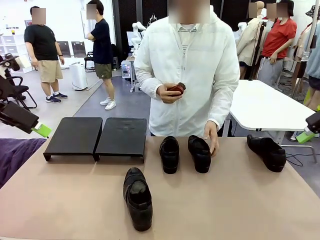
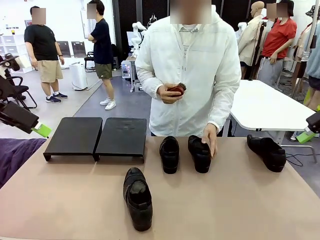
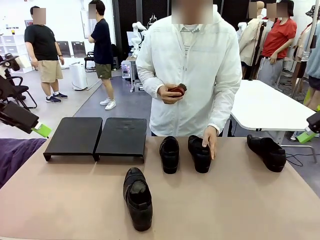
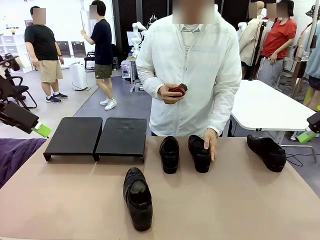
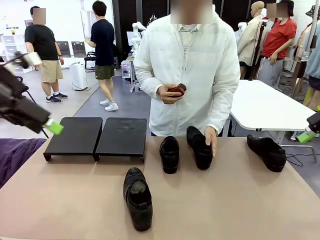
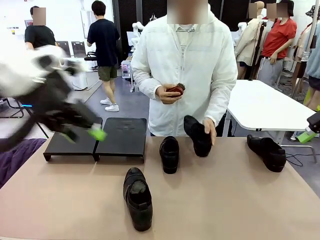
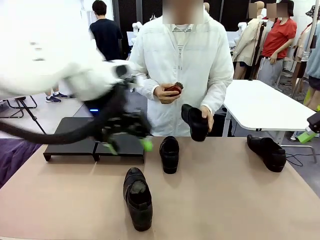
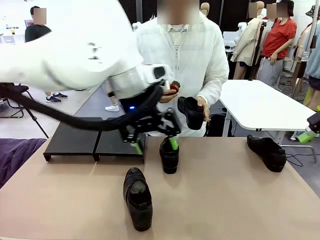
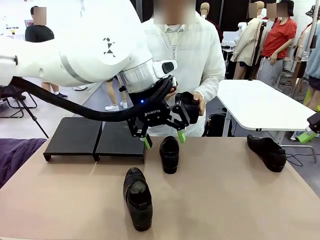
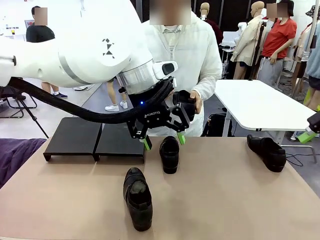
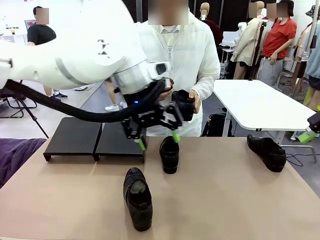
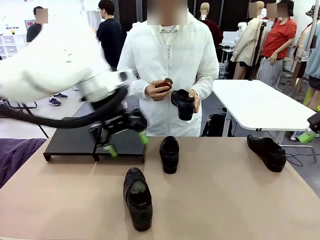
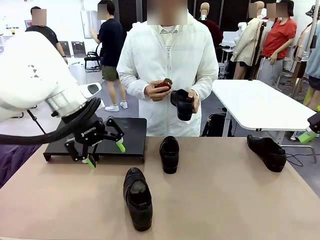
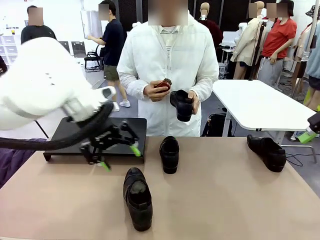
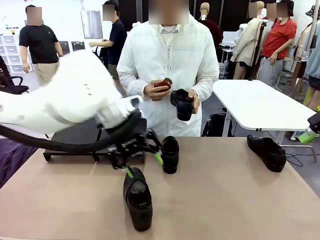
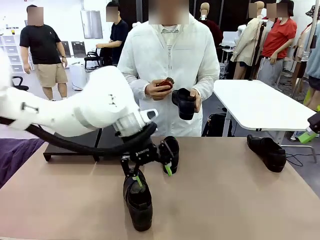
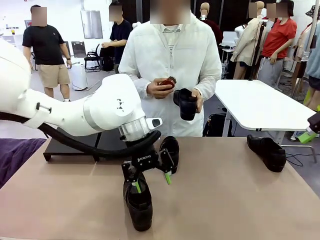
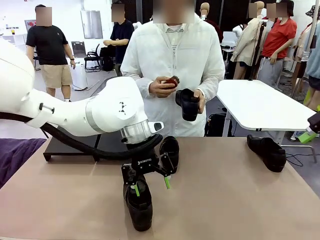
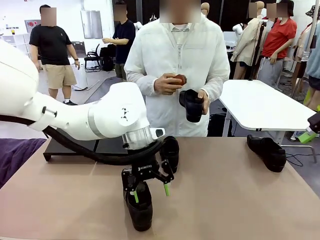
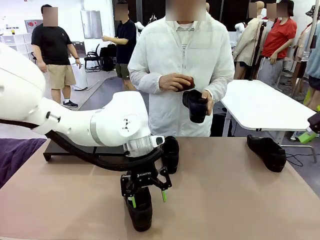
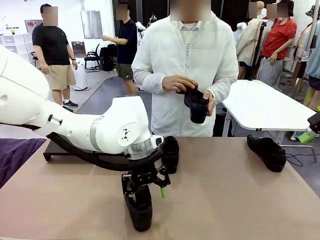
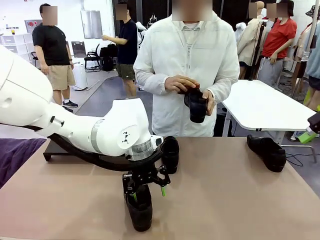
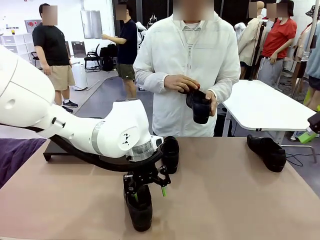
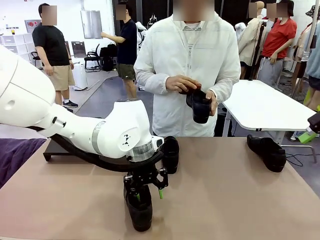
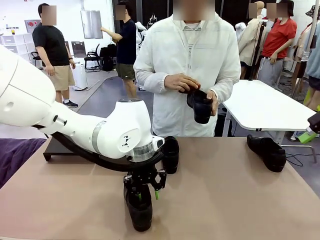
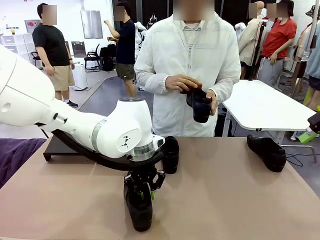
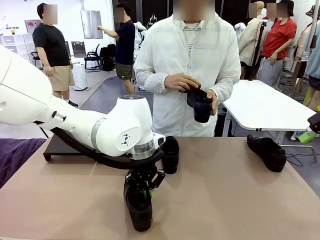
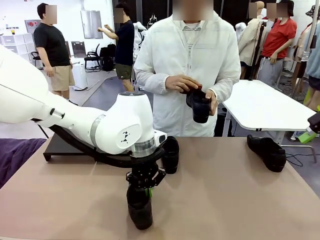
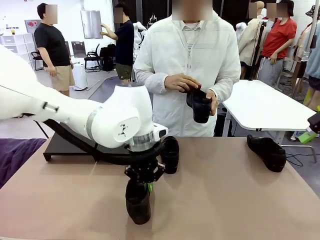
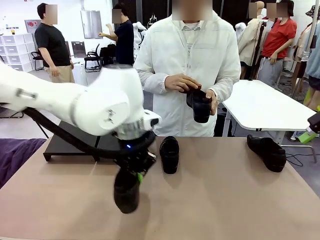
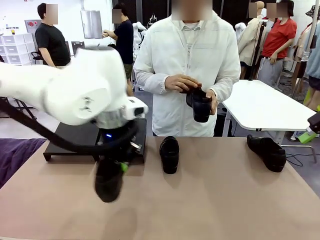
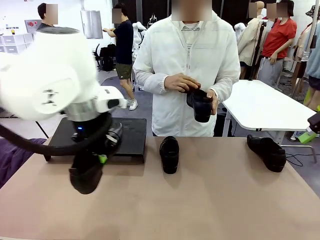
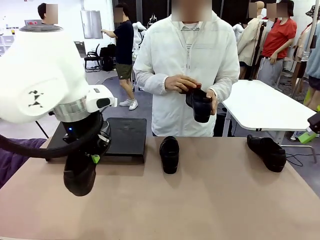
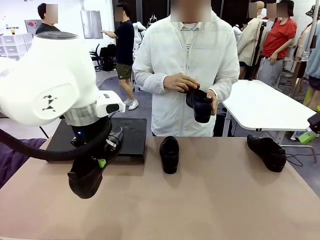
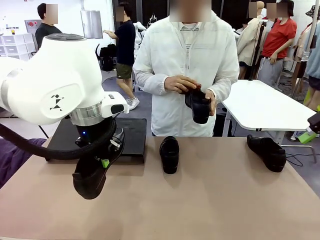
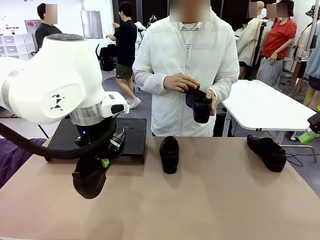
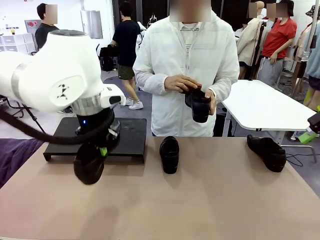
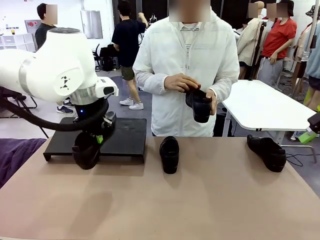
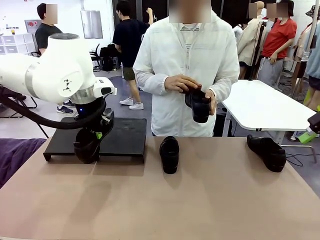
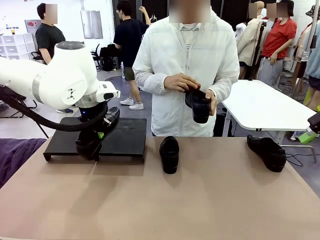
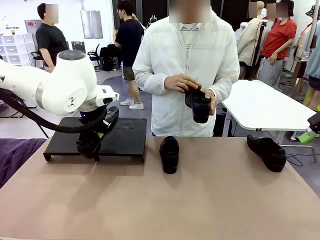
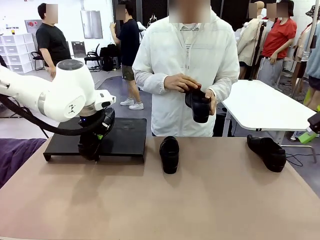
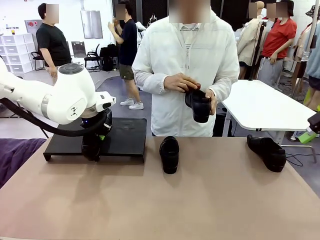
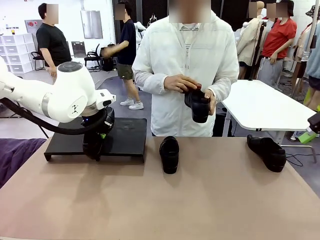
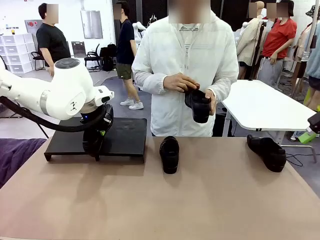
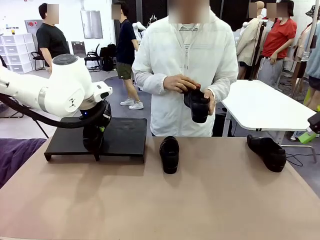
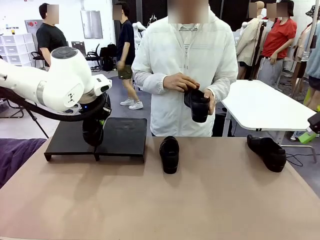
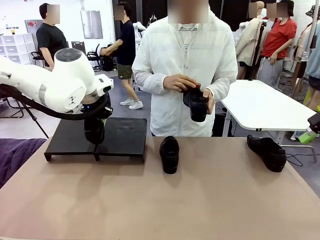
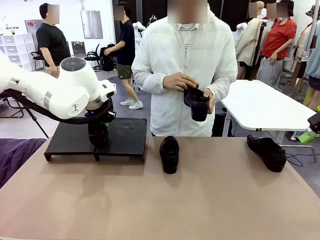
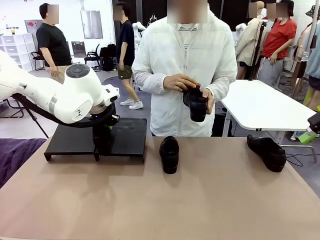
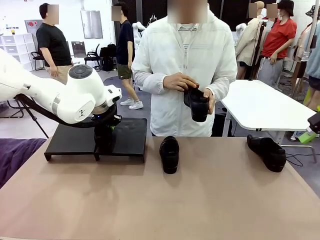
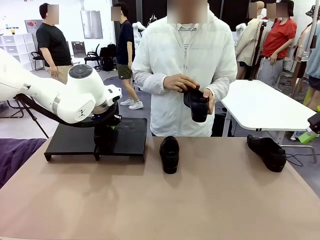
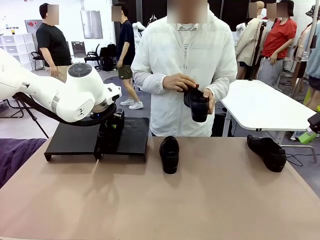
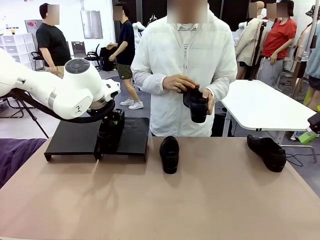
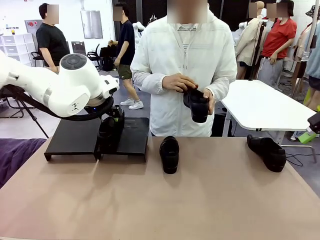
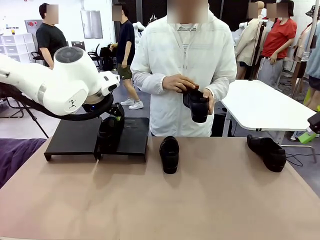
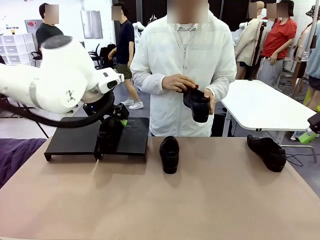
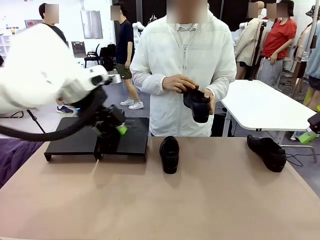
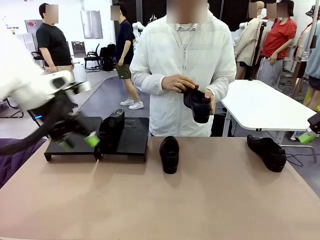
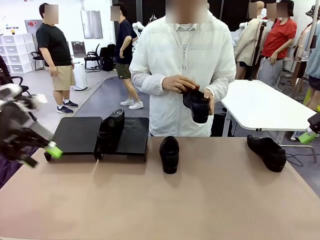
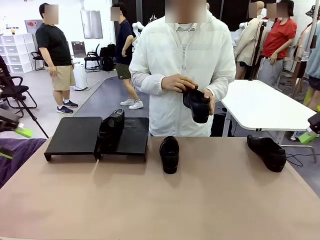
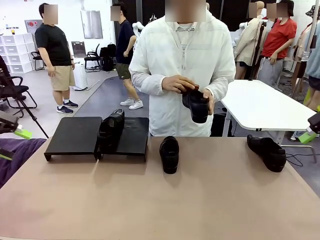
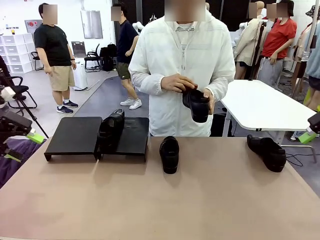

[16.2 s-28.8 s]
Task: Organize the shoes by placing them on the stand.
Robot: Place the Shoe from the middle of the table onto the Shoes Stand.
Person: Clean the Shoe with the Shoe Brush.

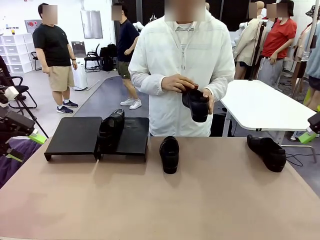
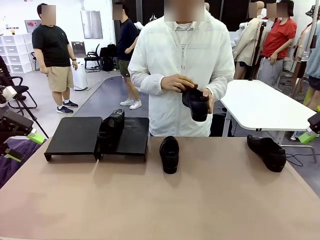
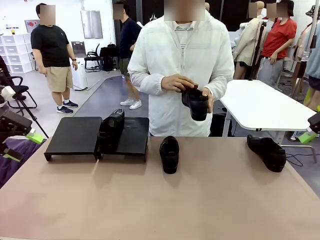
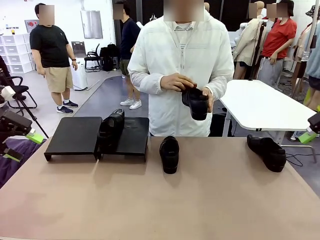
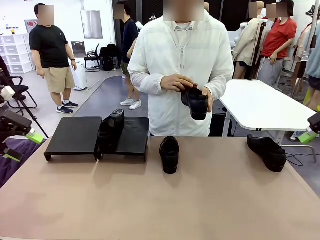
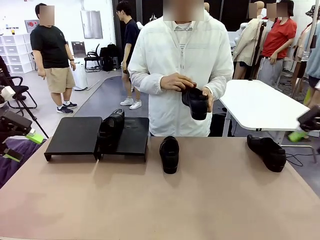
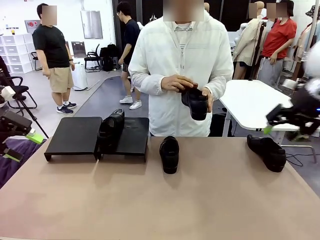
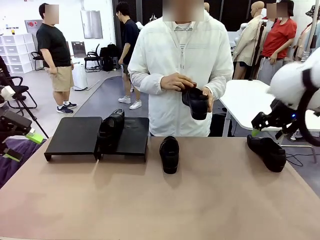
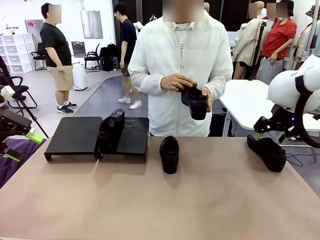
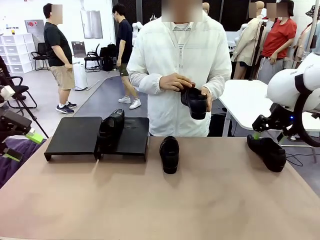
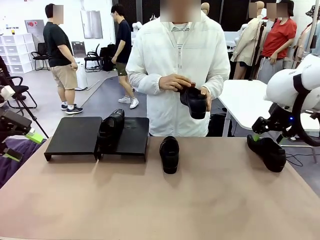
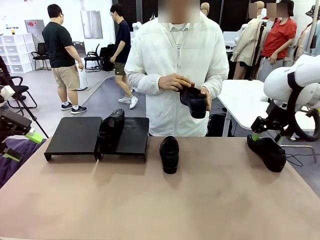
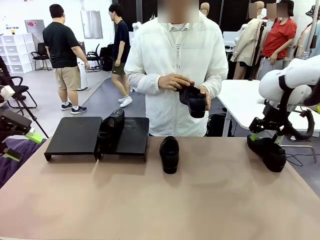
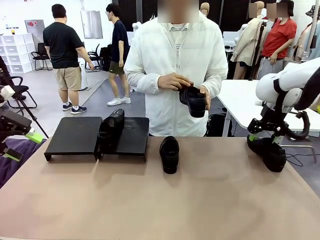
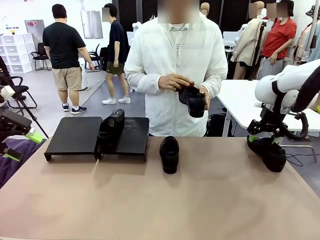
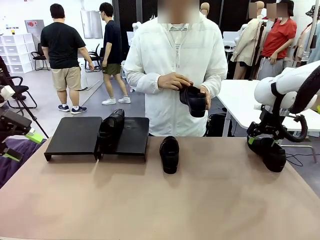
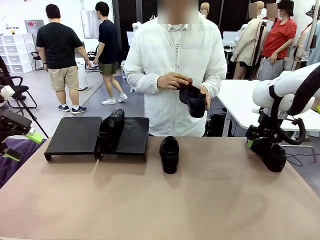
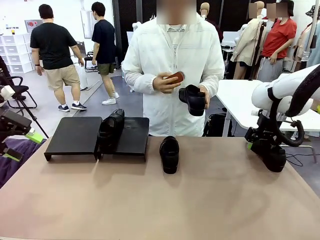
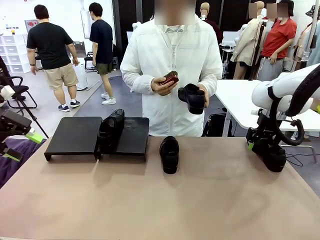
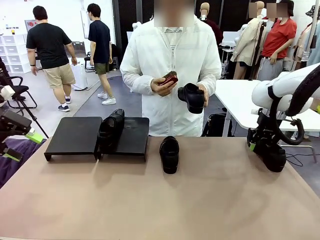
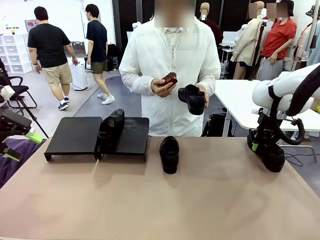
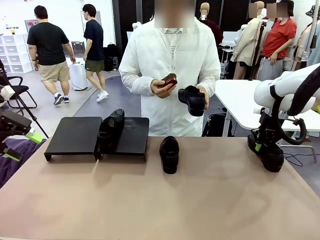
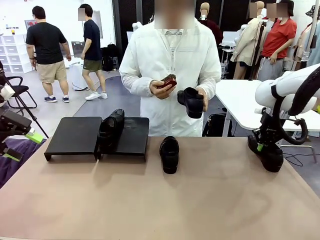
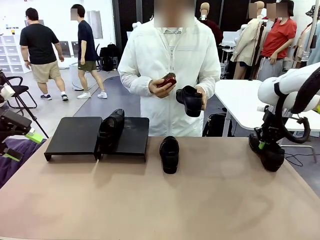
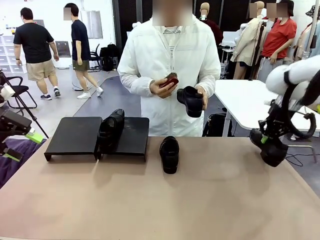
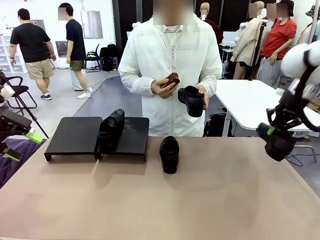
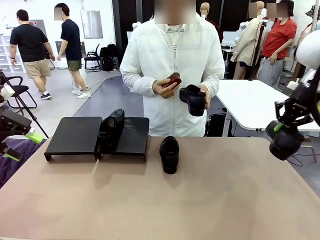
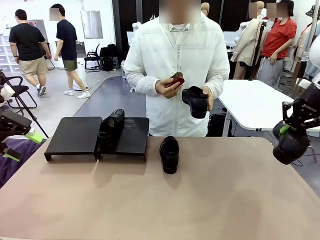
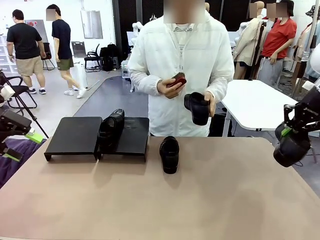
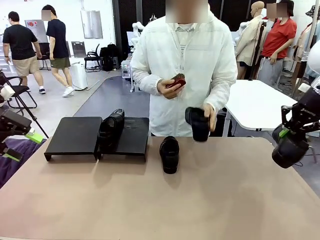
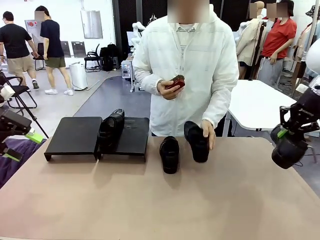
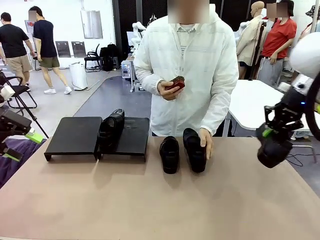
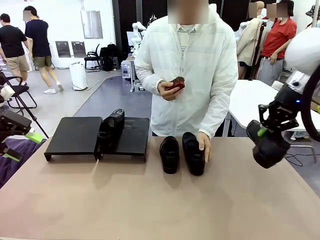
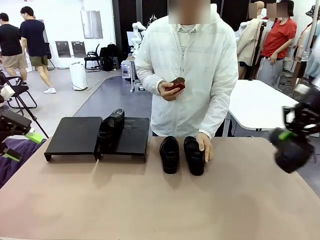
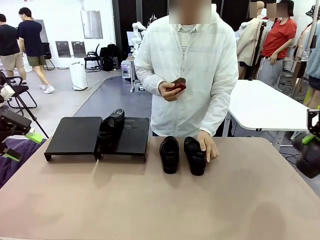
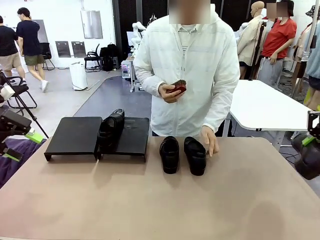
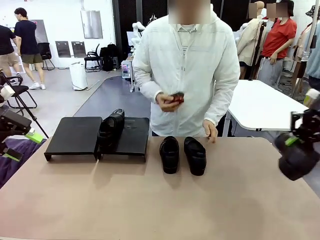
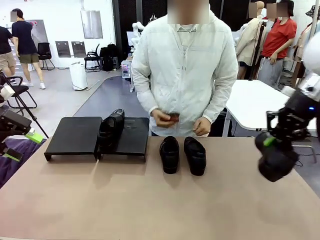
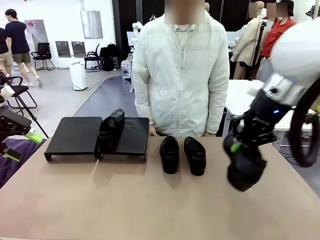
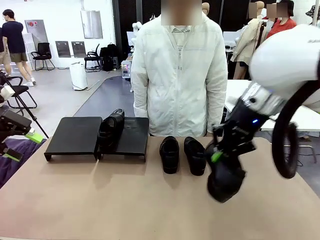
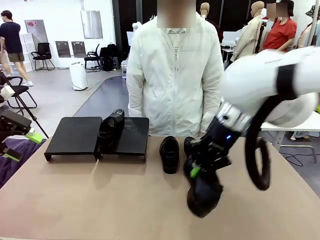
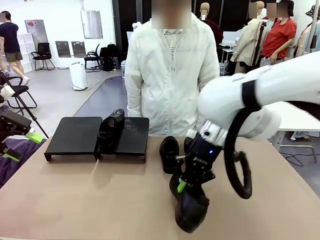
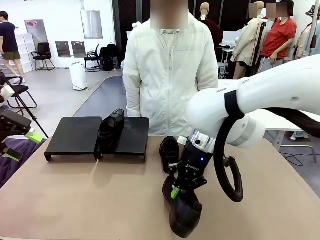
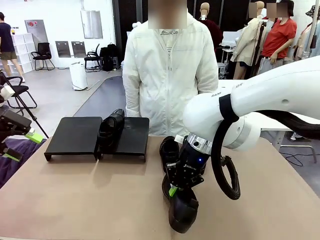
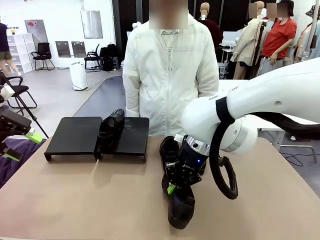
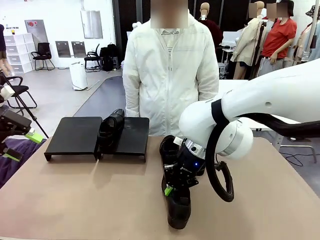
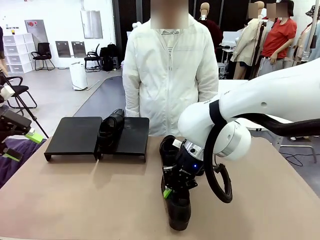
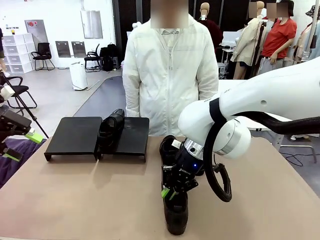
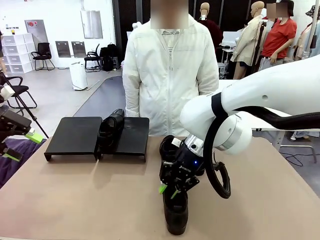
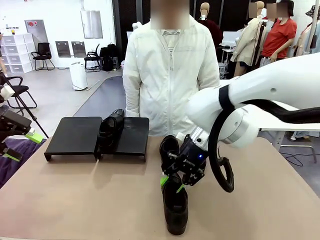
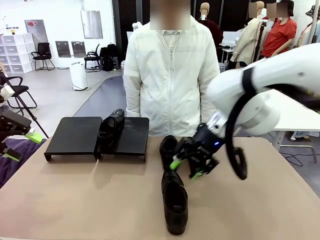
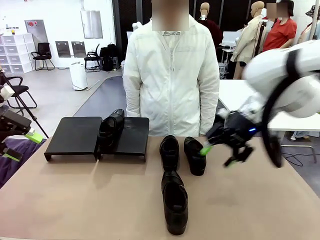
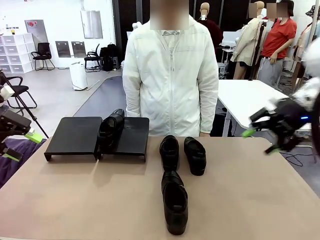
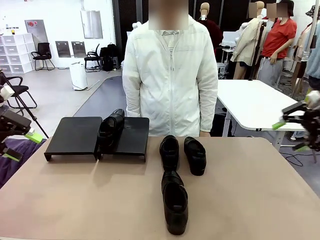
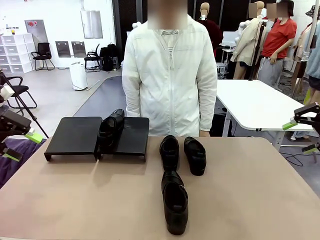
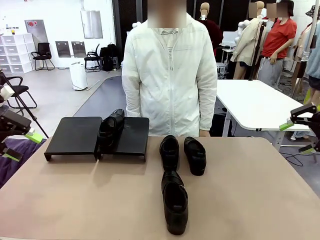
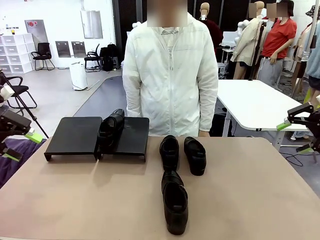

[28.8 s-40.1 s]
Robot: Pick up one Shoe and place it in the middle of the table.
